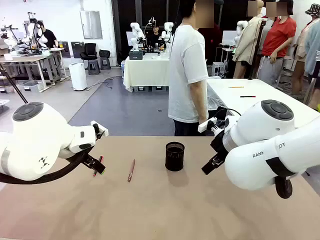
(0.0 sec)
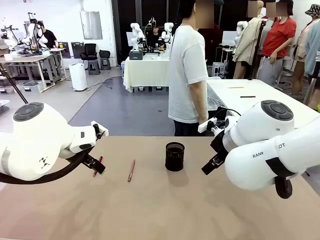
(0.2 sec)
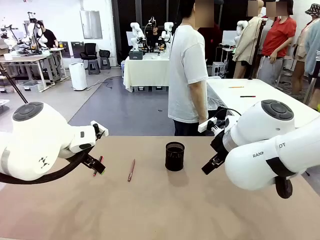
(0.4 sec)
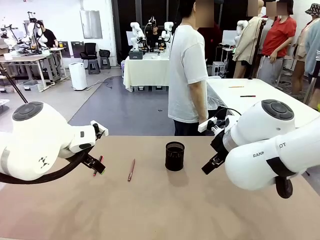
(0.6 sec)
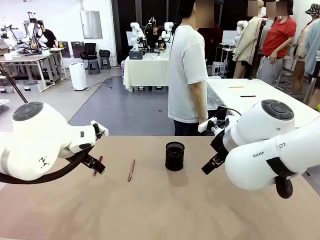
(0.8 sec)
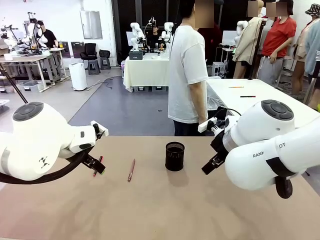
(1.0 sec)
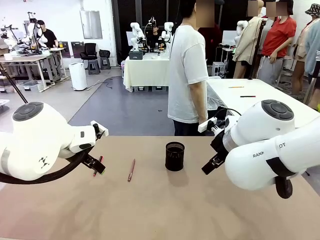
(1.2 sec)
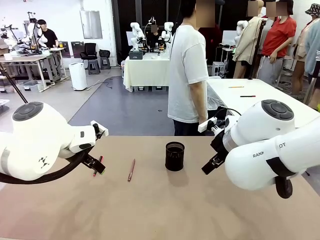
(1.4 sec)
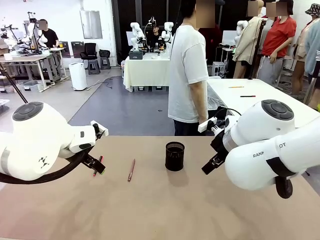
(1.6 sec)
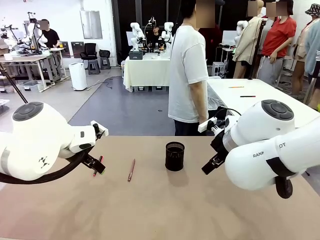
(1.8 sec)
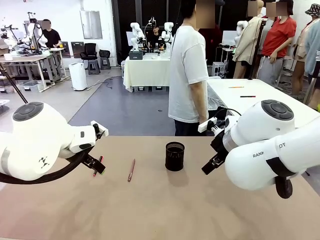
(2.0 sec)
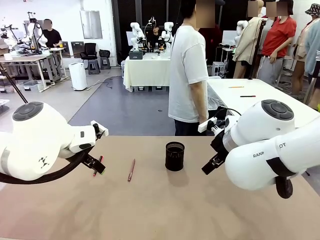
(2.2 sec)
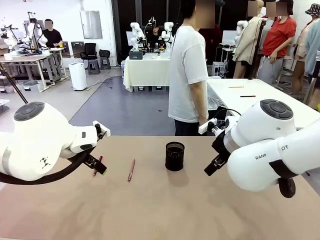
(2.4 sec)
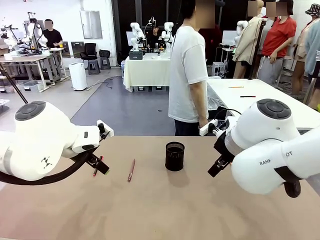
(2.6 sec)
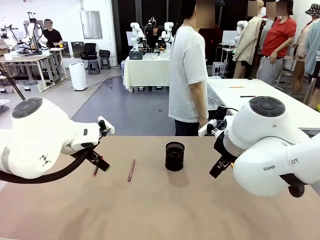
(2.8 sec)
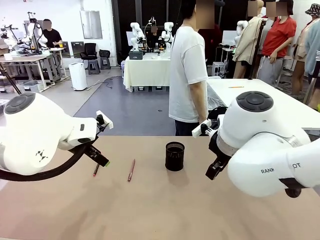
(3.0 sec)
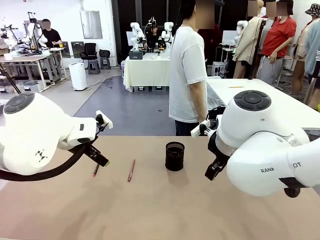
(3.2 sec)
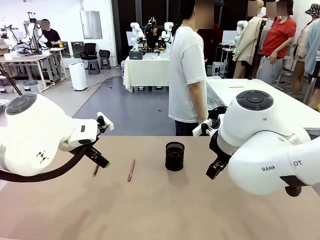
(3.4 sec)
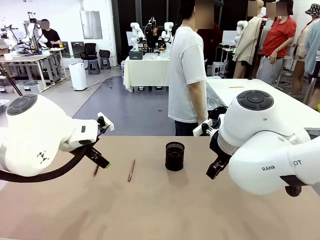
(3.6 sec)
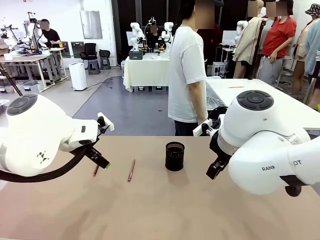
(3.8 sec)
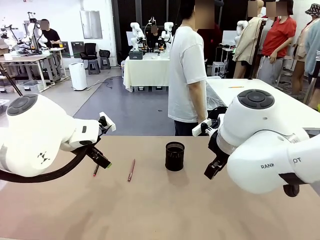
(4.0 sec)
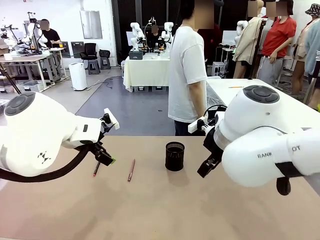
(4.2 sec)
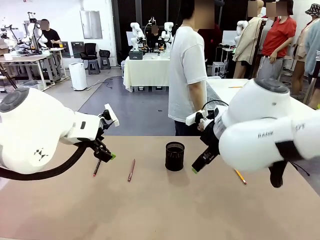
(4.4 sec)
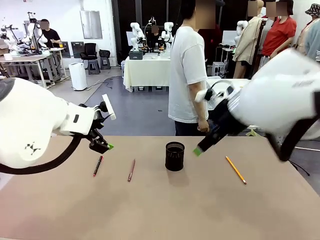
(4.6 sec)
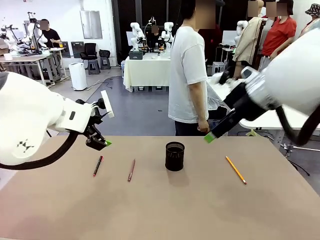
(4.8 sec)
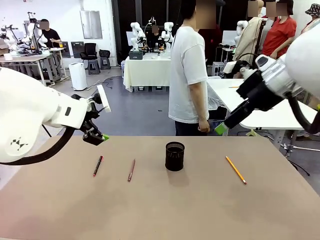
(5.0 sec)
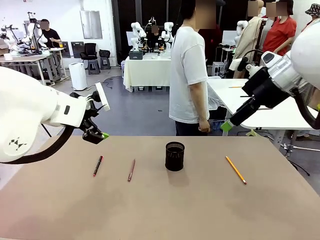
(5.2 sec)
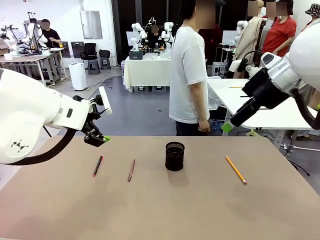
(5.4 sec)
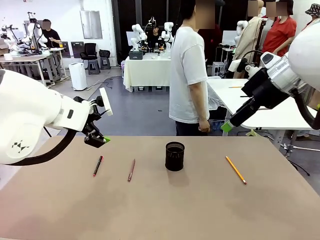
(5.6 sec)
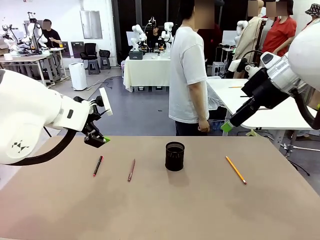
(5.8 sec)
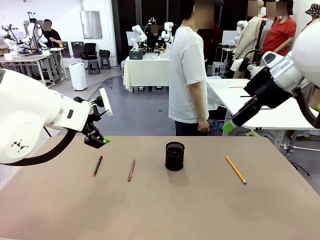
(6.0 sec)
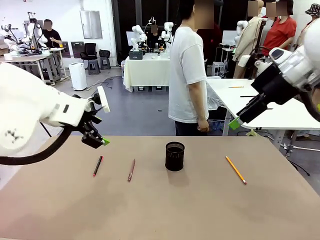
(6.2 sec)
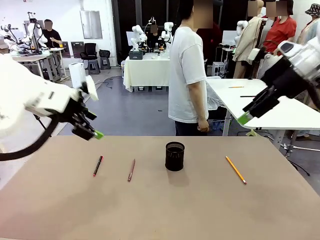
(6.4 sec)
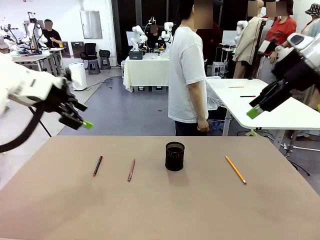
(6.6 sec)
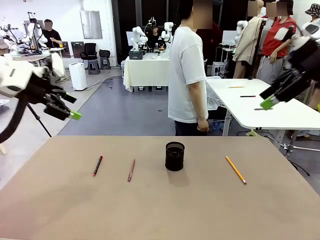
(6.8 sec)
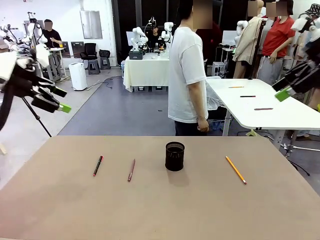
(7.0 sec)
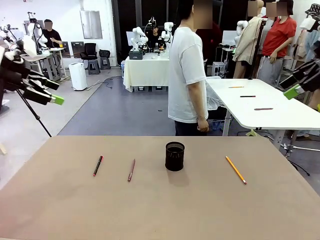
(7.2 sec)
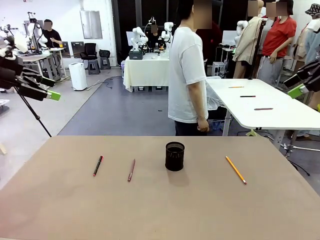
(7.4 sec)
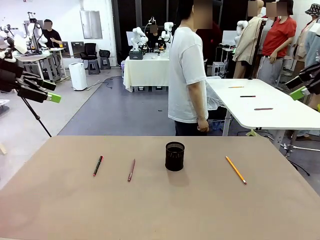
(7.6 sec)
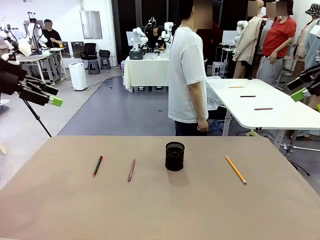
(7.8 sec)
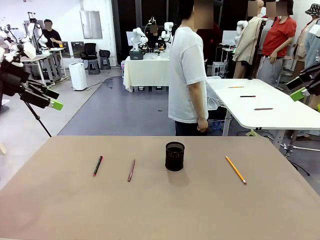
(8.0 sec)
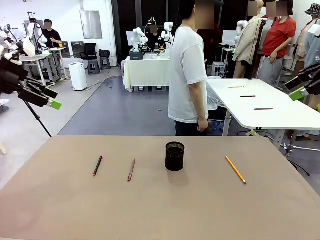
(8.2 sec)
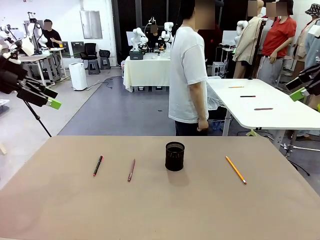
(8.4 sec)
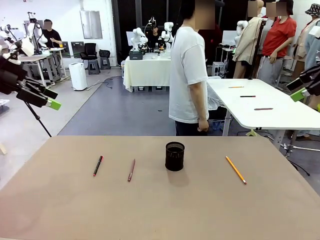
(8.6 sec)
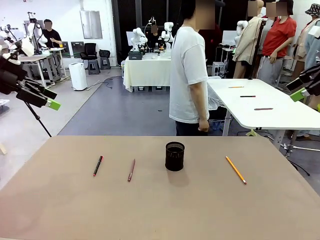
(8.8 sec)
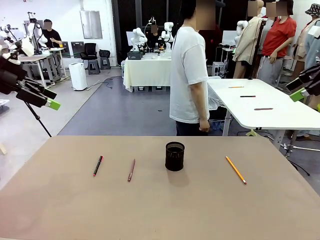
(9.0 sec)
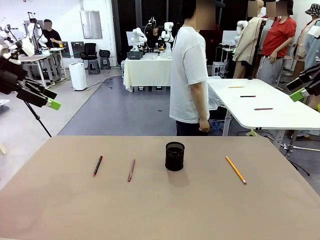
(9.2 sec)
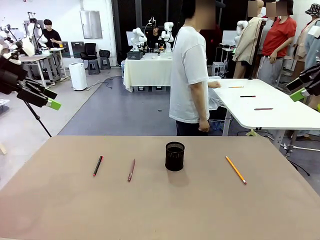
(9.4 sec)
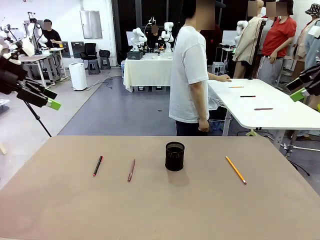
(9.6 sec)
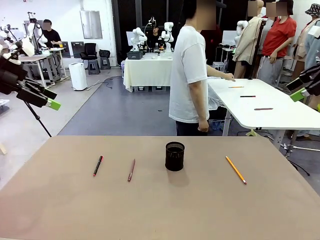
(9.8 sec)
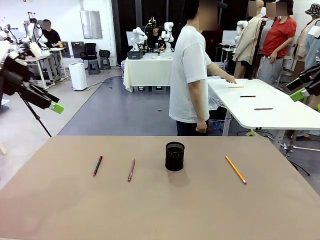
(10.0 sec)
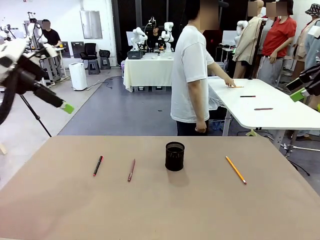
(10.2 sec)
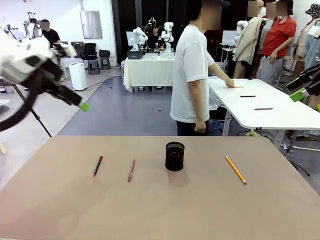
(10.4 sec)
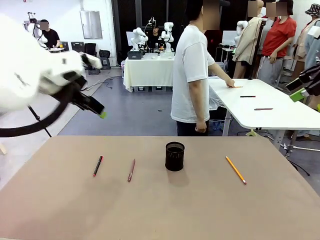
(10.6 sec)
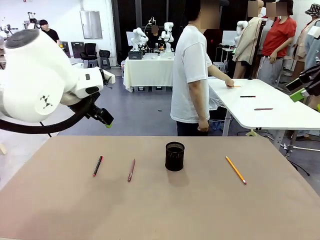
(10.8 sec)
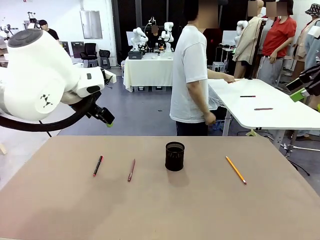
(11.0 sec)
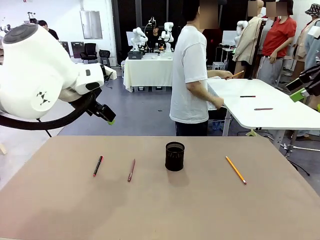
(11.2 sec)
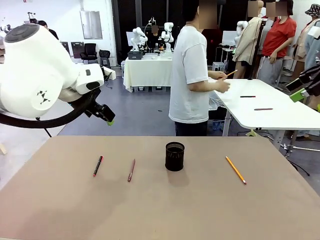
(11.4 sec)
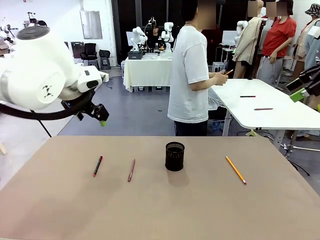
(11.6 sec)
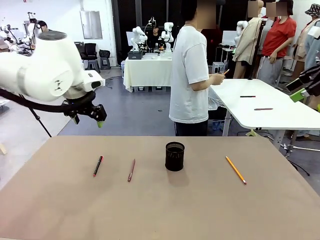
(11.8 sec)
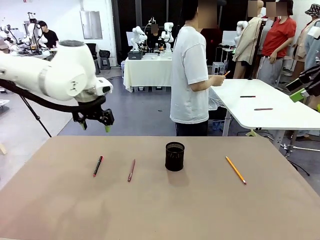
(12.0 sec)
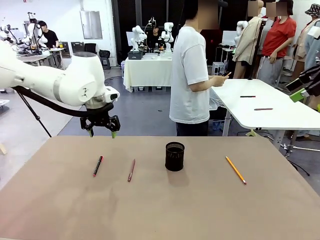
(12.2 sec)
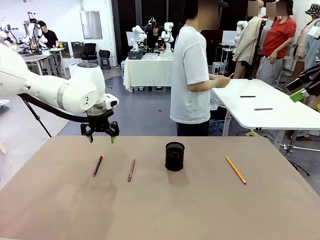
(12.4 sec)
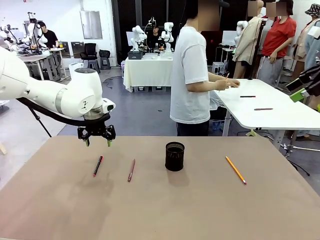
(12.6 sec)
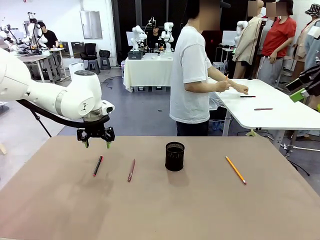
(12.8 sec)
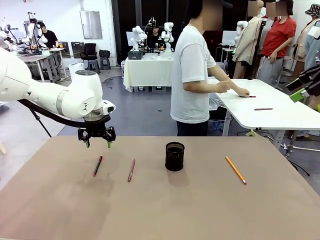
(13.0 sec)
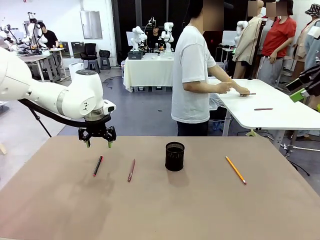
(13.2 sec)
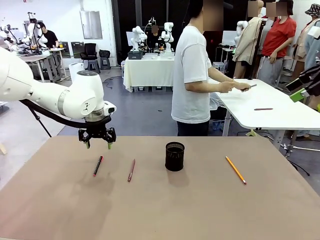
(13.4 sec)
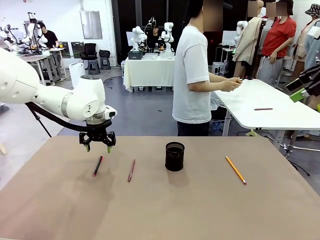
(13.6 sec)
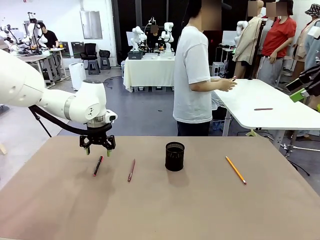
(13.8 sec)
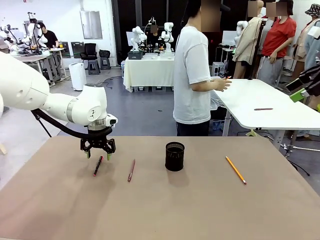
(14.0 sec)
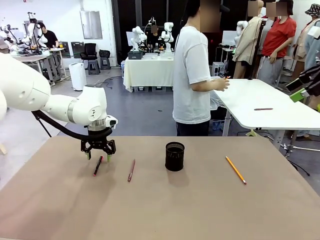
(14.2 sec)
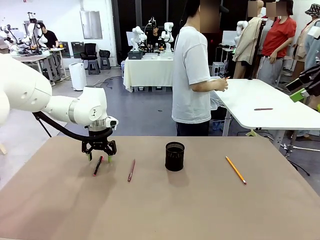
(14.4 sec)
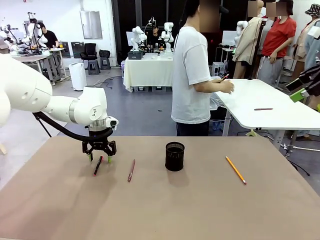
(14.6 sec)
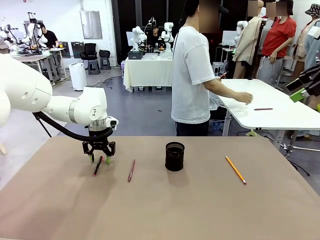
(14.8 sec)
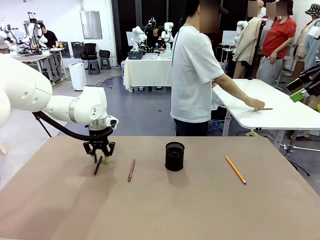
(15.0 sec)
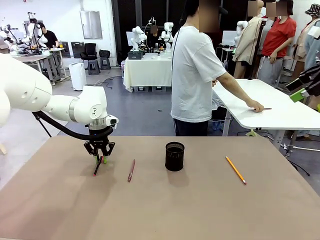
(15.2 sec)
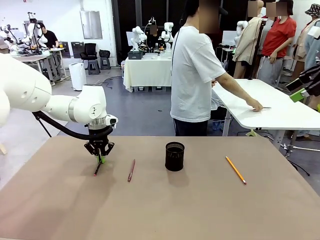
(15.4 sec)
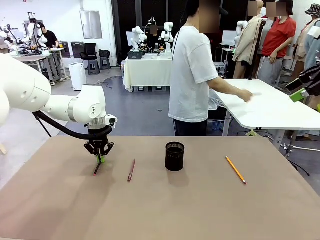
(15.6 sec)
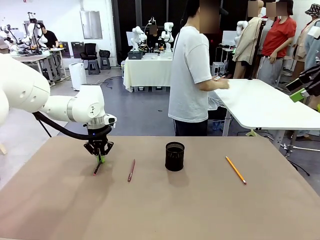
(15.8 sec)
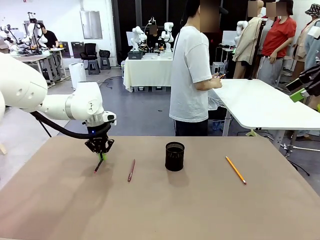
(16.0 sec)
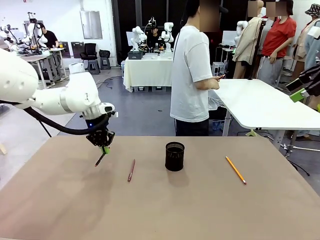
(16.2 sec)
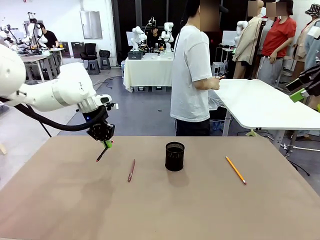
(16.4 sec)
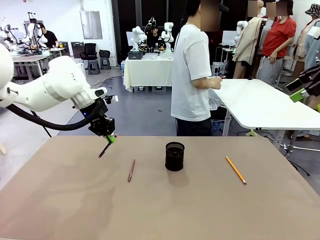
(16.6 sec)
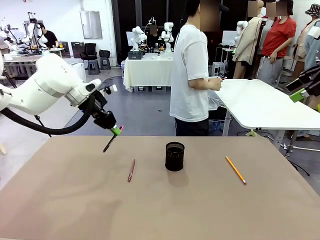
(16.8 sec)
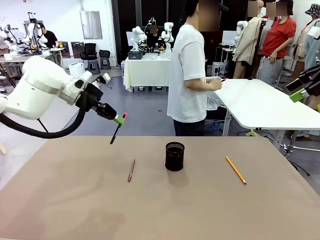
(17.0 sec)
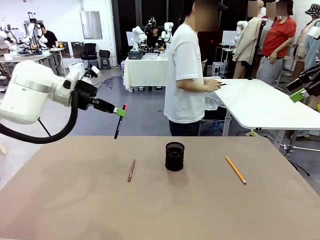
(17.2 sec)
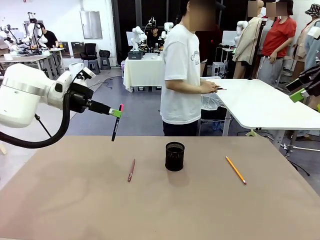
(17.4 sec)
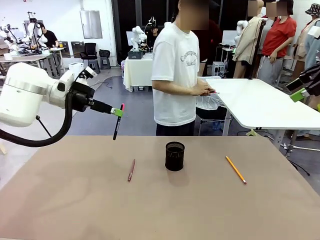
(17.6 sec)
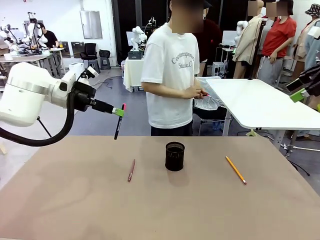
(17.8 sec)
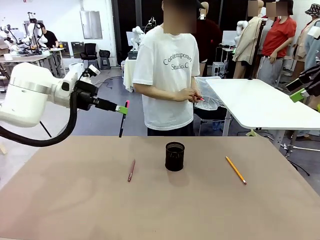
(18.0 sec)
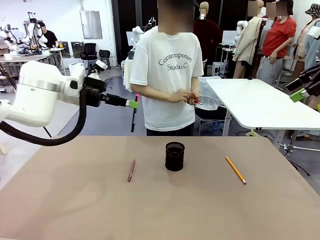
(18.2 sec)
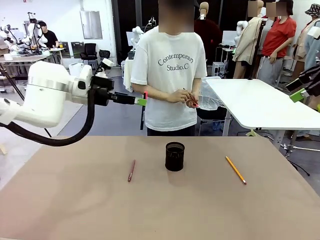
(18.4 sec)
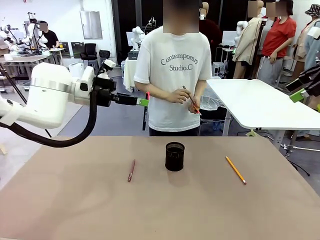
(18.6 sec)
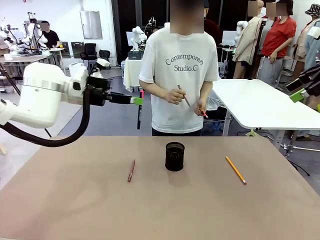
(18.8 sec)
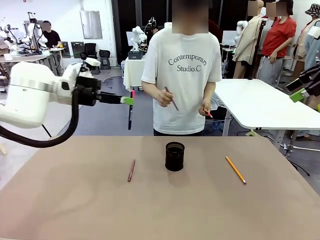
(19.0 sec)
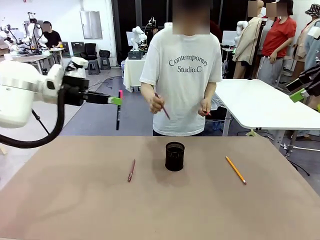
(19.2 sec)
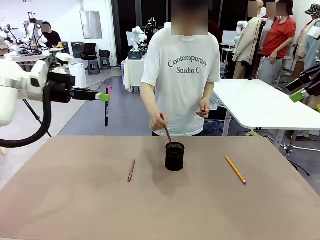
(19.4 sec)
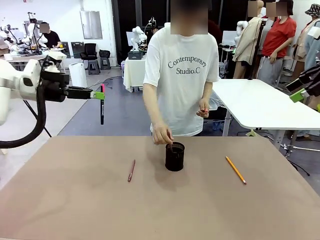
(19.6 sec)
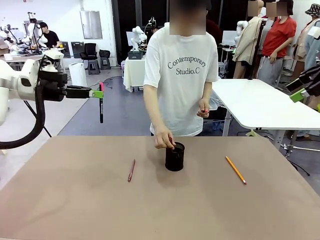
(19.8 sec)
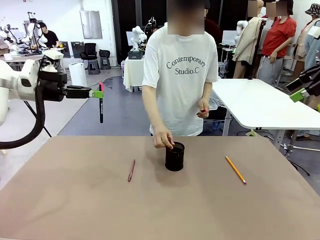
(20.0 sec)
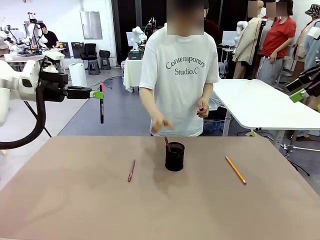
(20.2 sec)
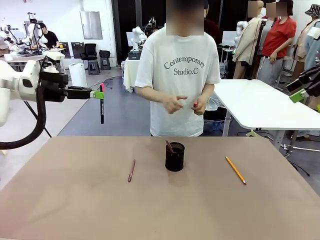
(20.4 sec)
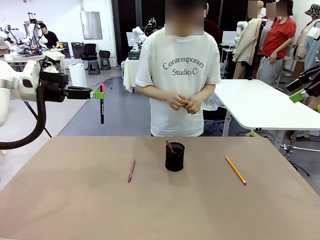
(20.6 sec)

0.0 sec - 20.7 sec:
Task: Place the pens into the pen holder.
Robot: Pick up a writing instrument from the table and place it into the Pen holder.
Person: Pick up all writing instruments from the Human table.
